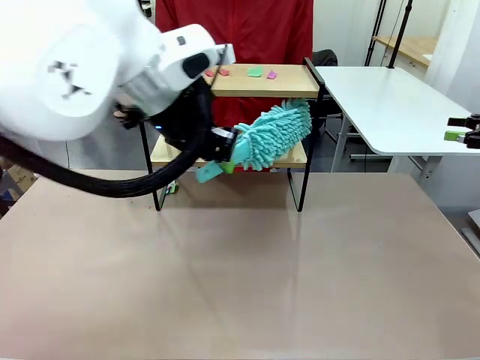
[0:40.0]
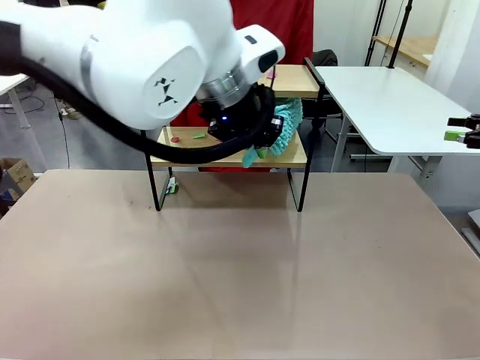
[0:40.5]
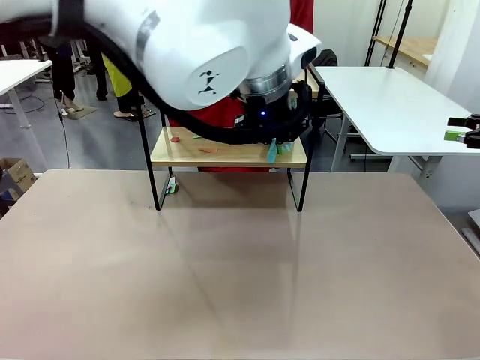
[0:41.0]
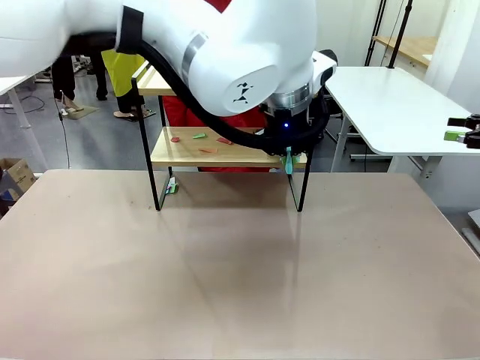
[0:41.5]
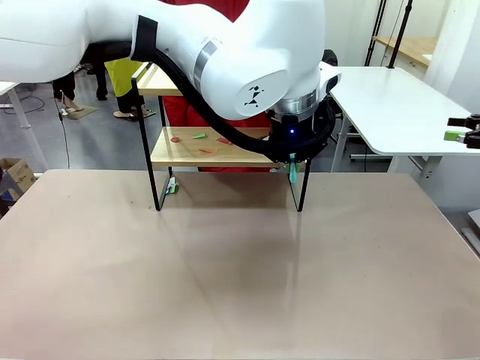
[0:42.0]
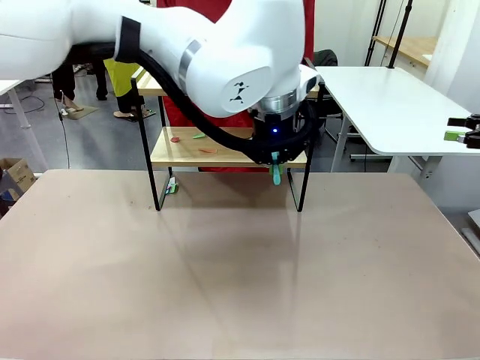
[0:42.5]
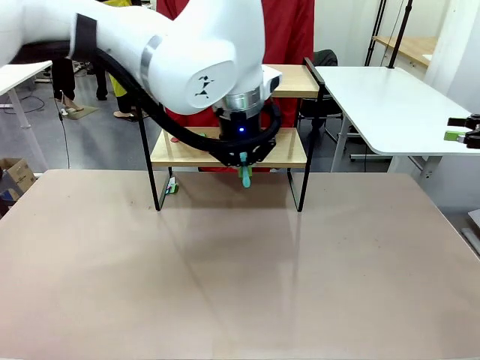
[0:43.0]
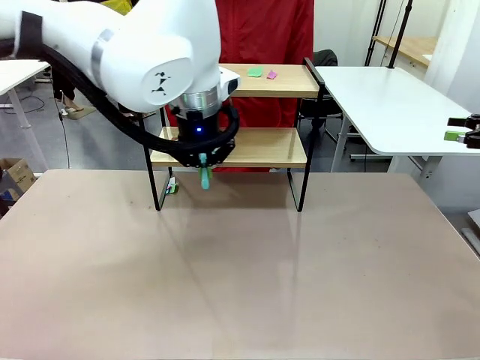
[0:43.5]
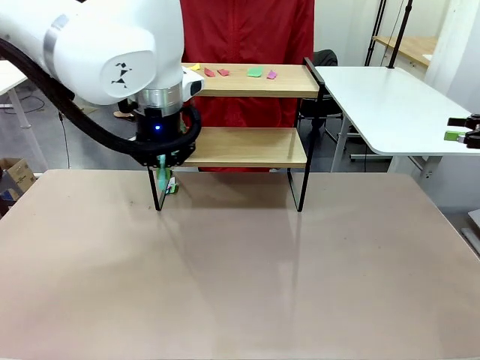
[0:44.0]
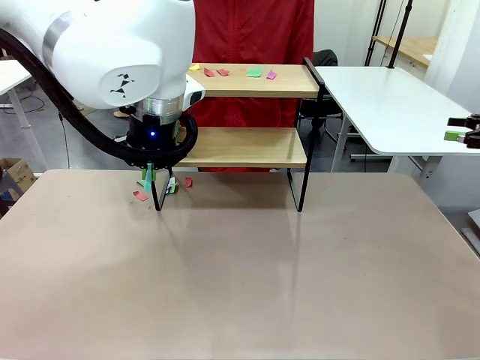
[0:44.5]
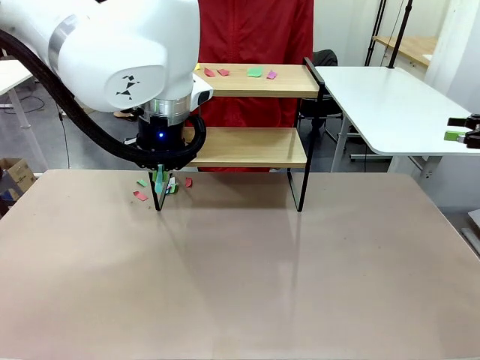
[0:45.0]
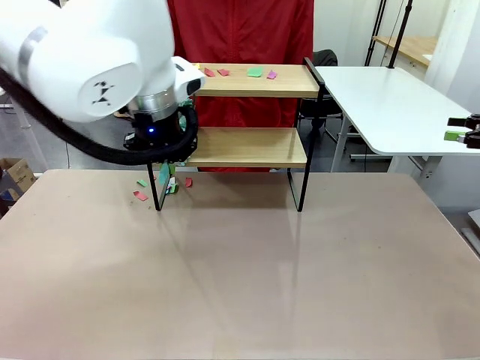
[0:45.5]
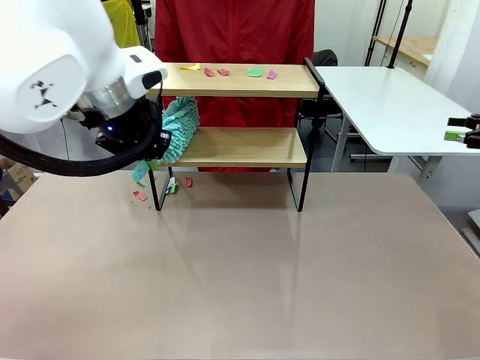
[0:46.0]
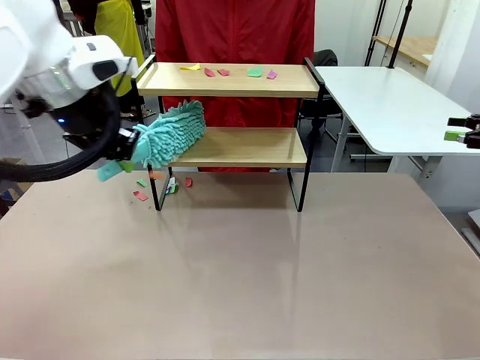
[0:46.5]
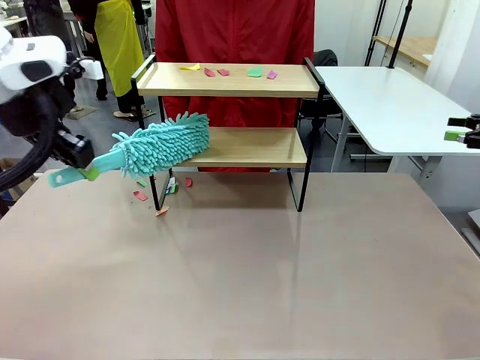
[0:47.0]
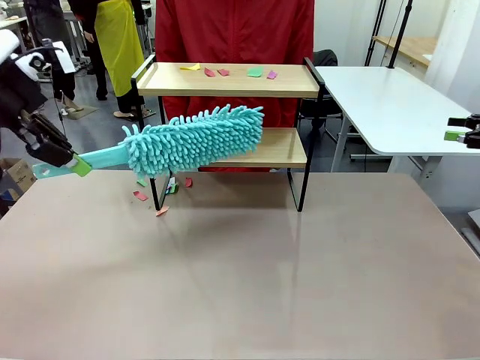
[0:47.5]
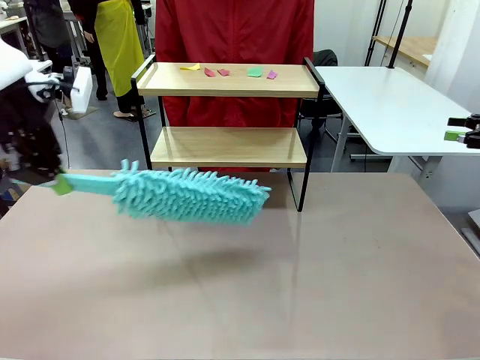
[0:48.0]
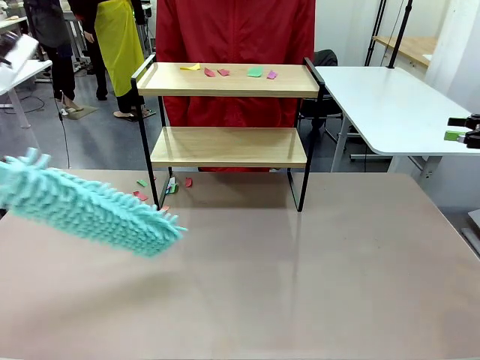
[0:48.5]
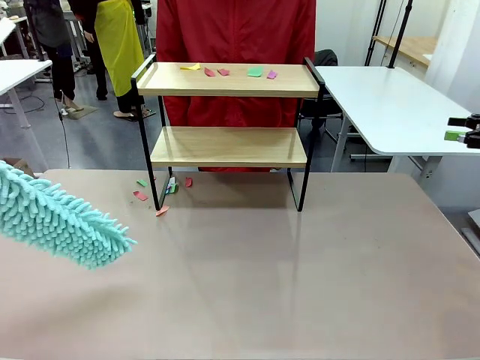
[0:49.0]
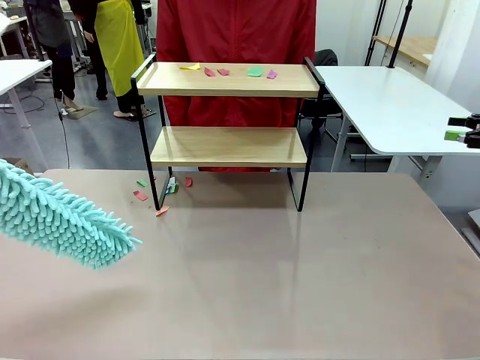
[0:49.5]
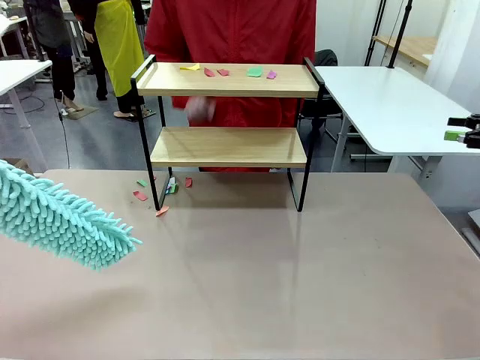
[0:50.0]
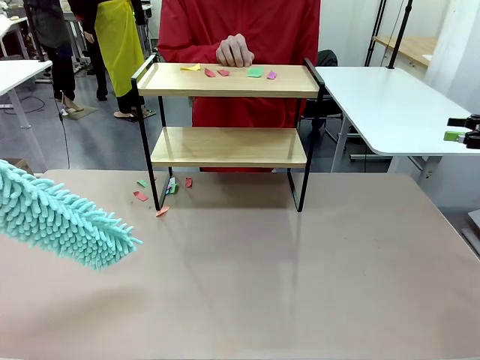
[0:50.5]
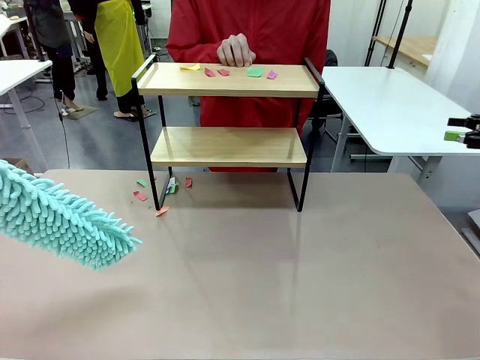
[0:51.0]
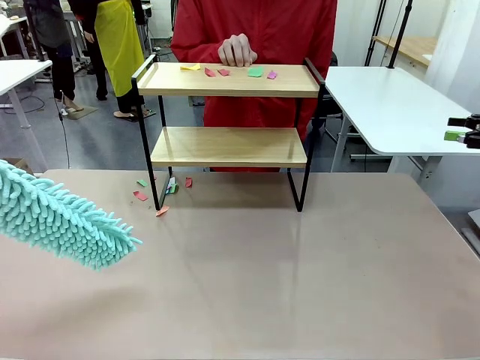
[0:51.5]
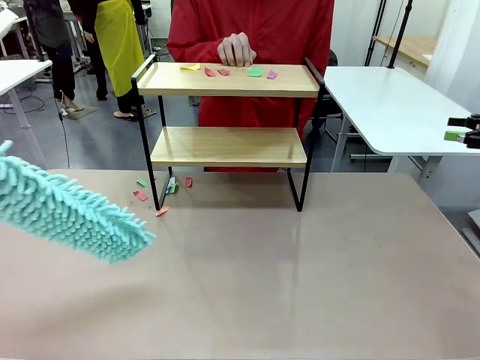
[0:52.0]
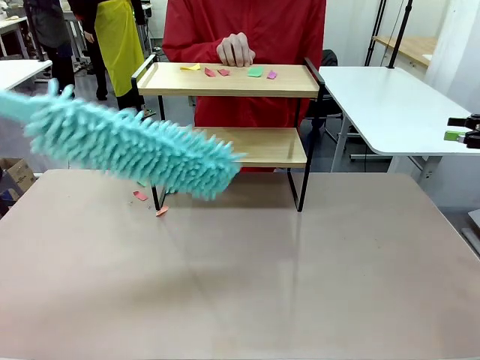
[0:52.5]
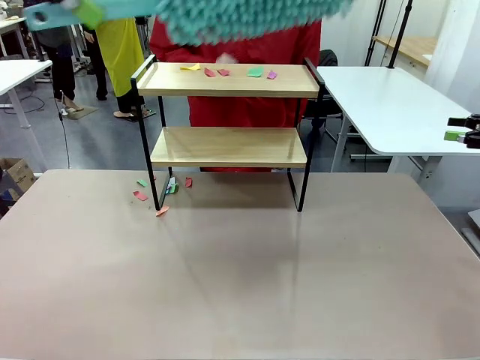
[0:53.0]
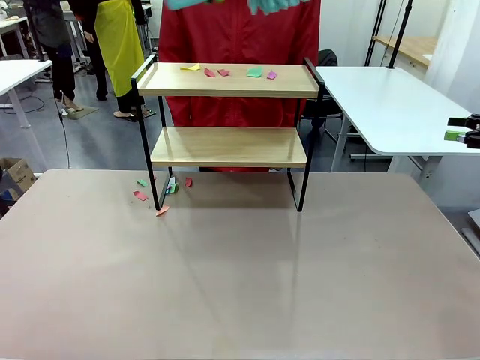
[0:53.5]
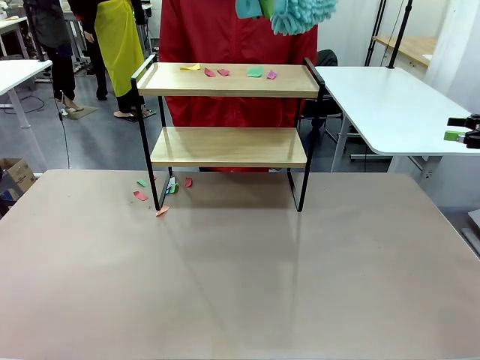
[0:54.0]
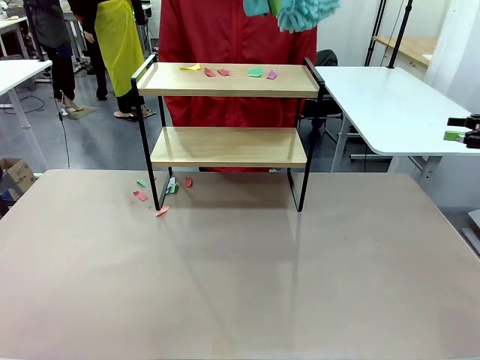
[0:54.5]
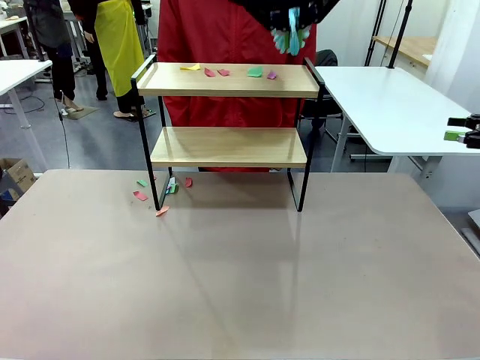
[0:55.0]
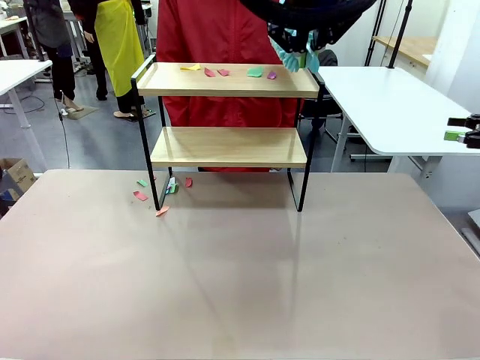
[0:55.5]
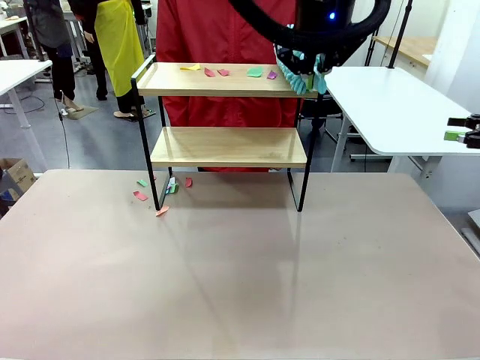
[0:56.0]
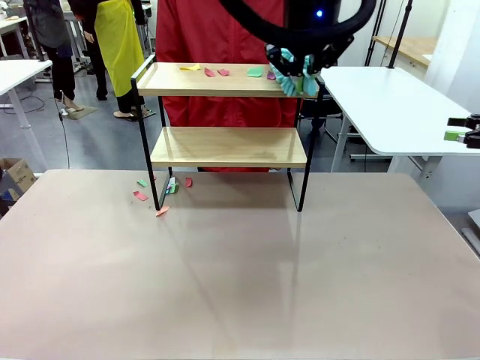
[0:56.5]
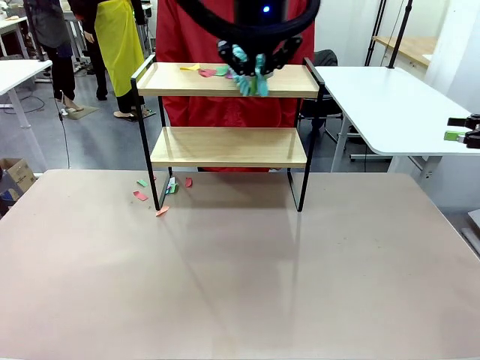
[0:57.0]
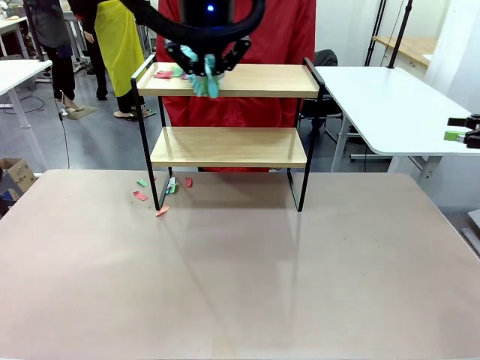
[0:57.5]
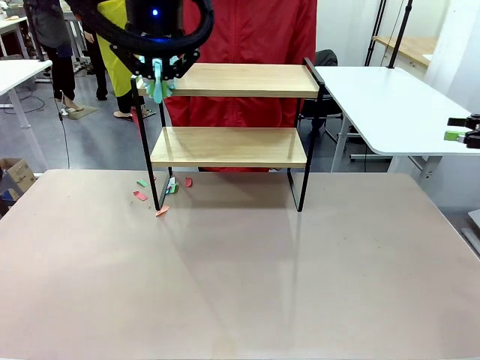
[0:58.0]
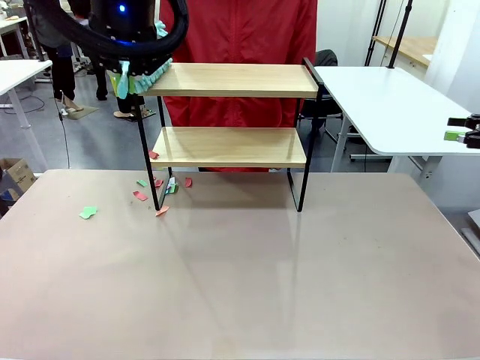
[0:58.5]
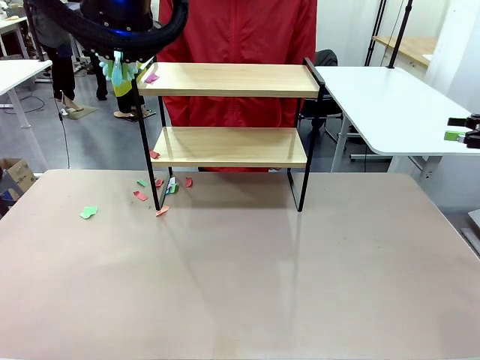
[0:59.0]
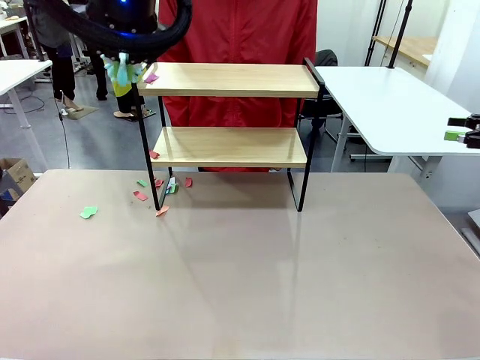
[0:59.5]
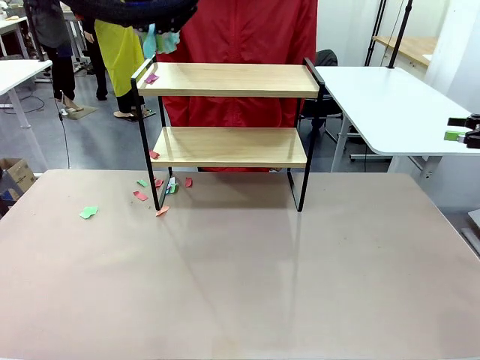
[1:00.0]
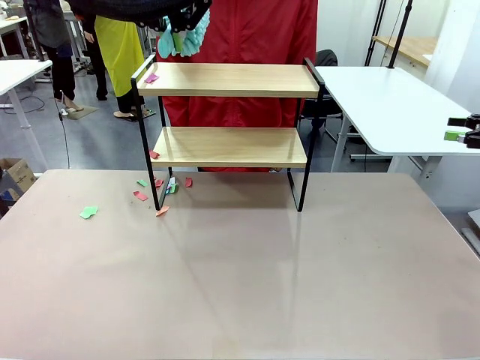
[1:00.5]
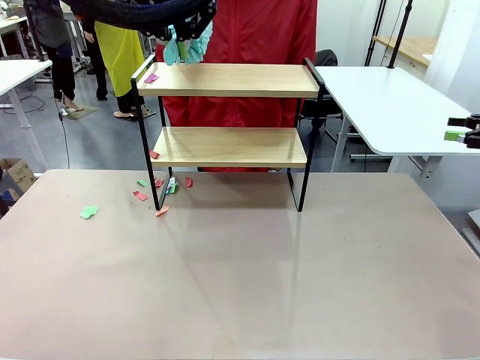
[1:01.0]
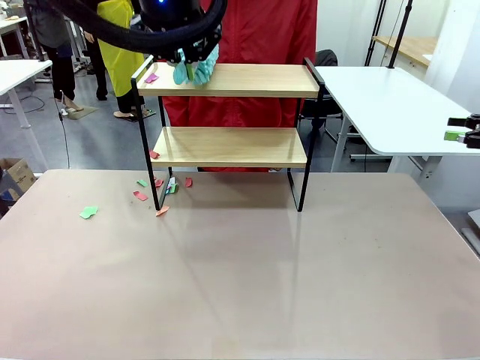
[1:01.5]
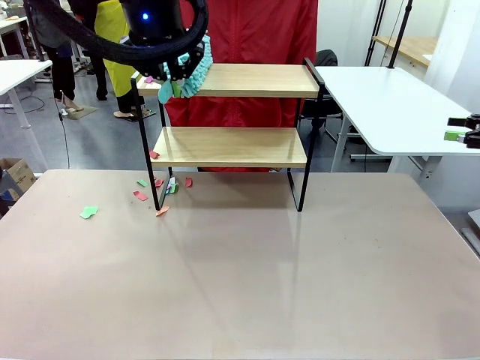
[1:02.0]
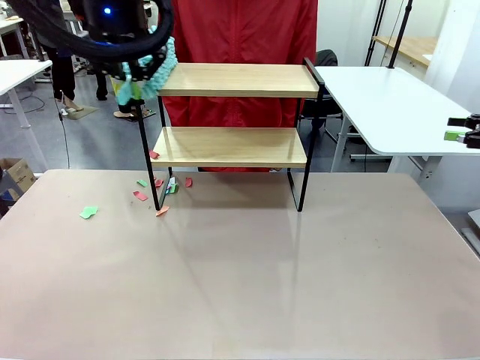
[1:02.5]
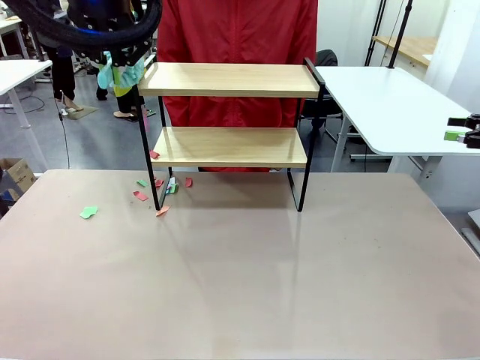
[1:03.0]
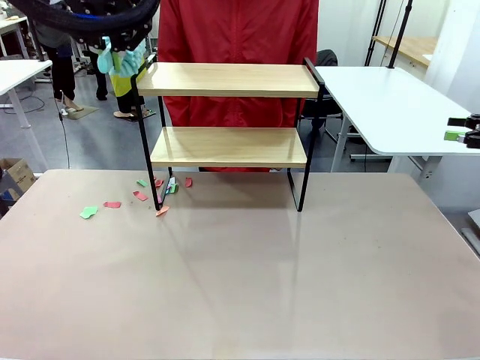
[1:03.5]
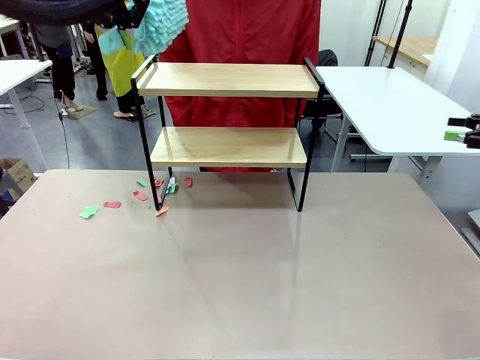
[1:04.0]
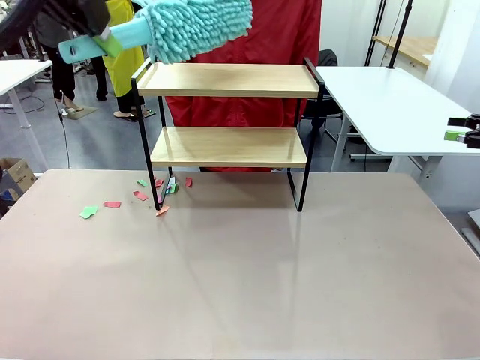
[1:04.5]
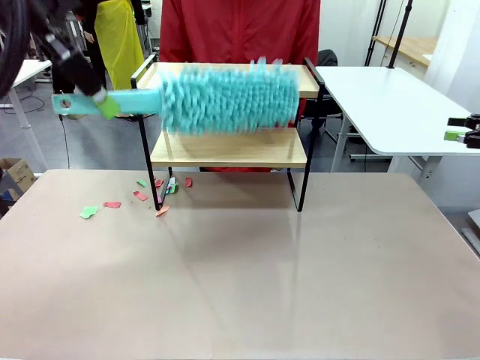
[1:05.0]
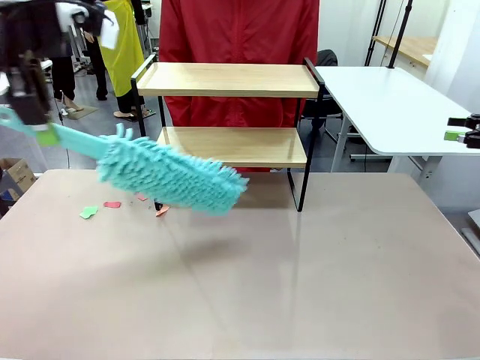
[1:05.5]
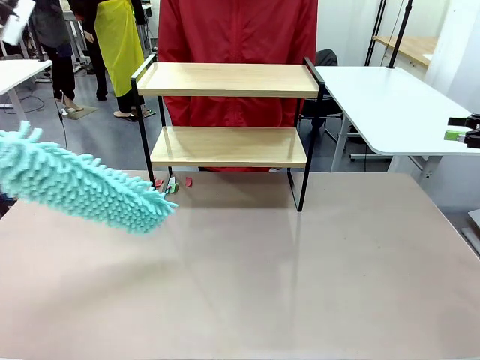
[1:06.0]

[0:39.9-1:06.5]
Task: Clean the shelf.
Robot: Clean the specific section of the Shelf indicated by the human with the Duster.
Person: Point a remaining section of the Shelf.
